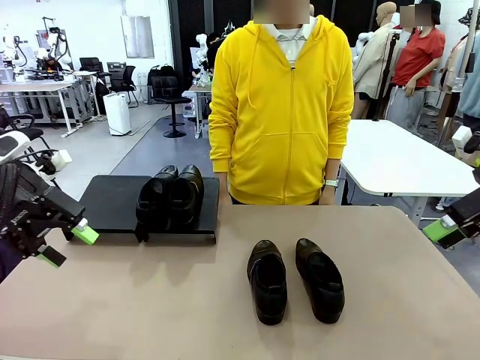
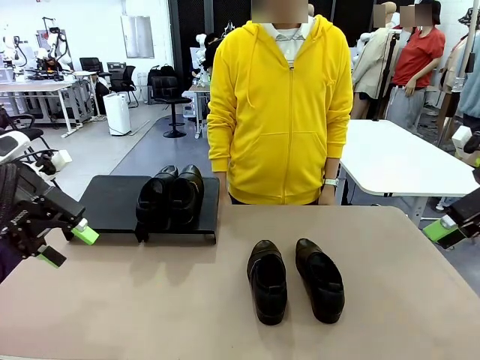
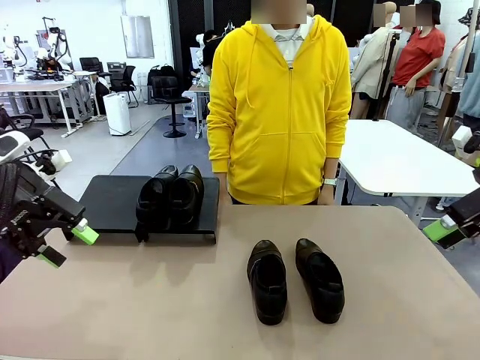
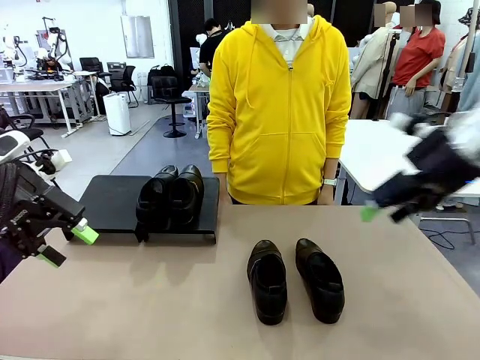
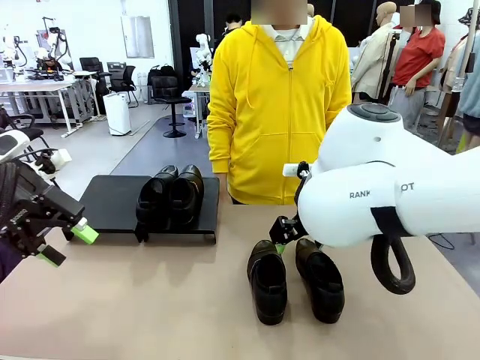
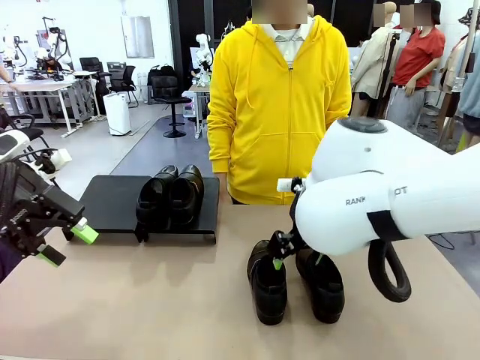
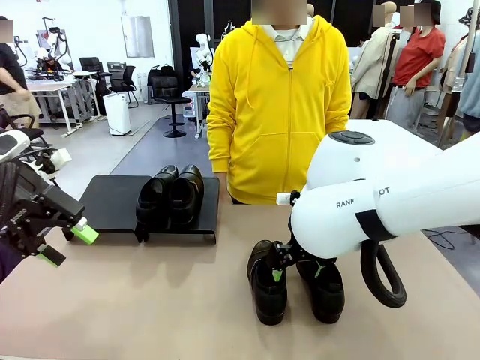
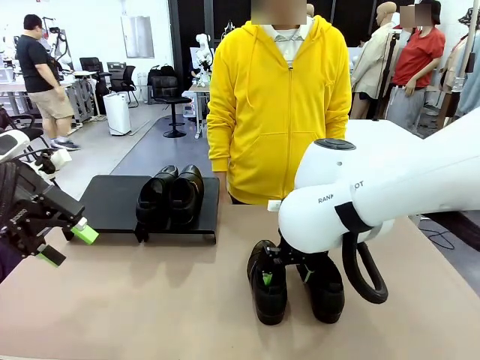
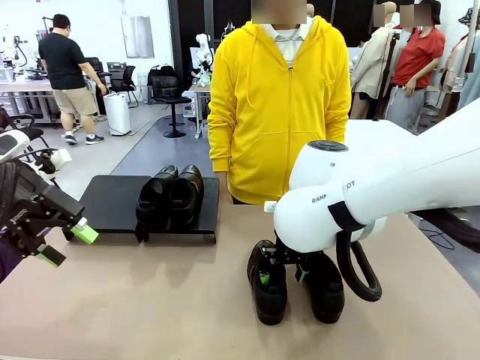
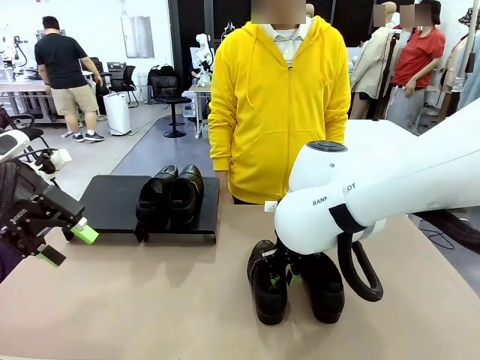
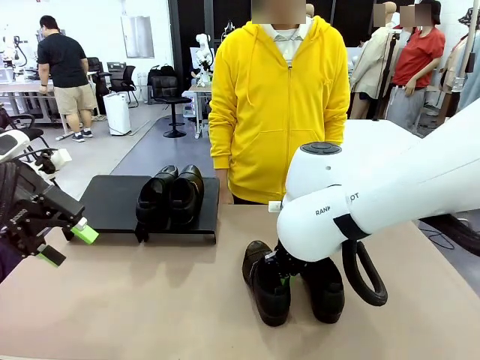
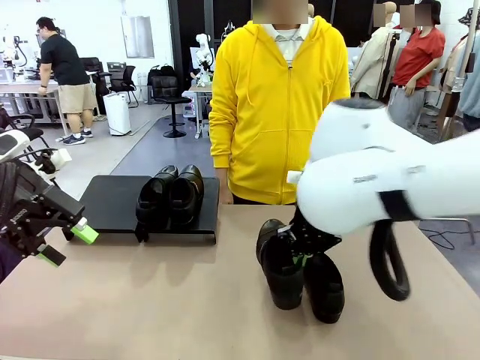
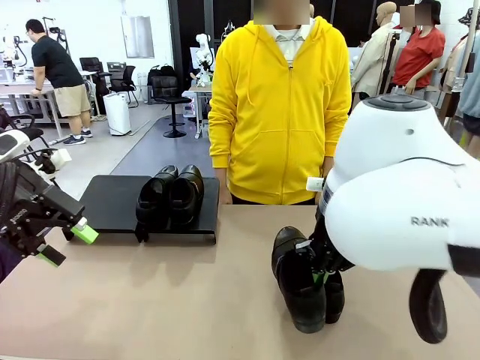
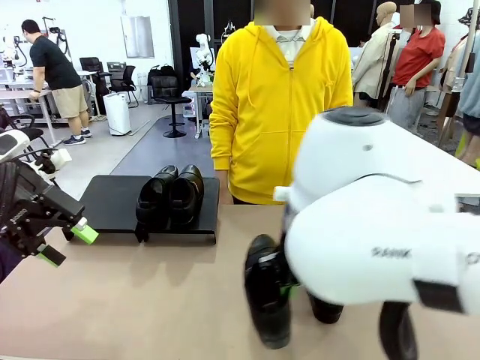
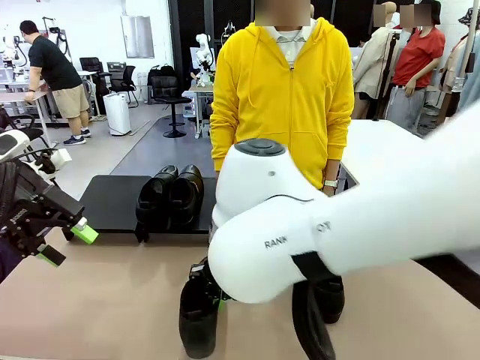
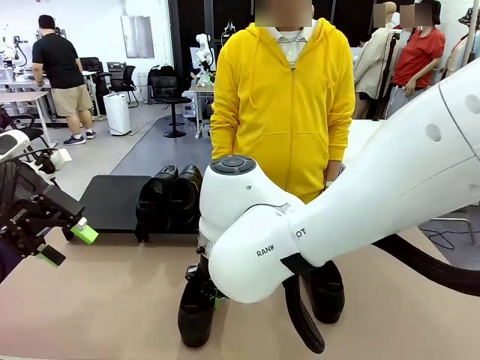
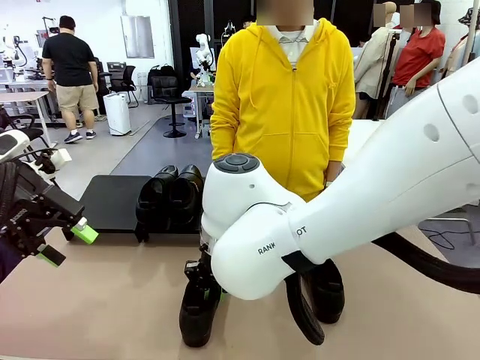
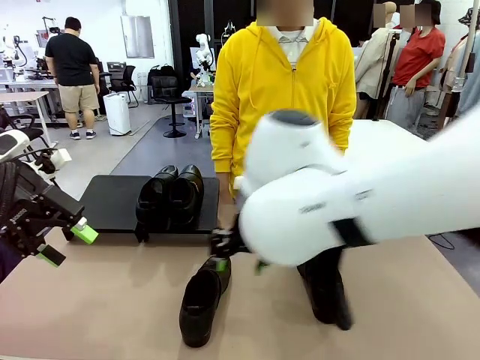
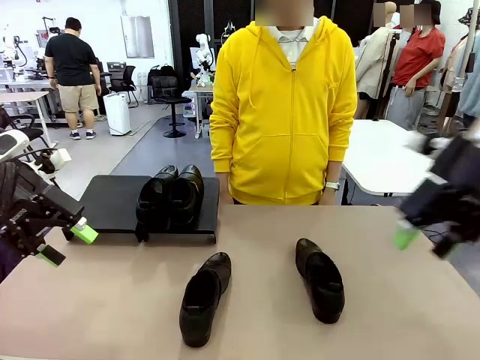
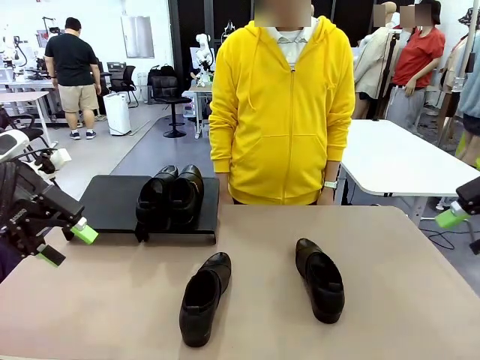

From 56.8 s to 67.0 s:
Task: Organize the shoes by placing them on the stand.
Robot: Pick up one Shoe and place it in the middle of the table.

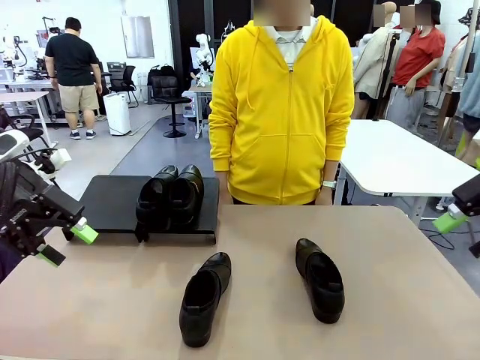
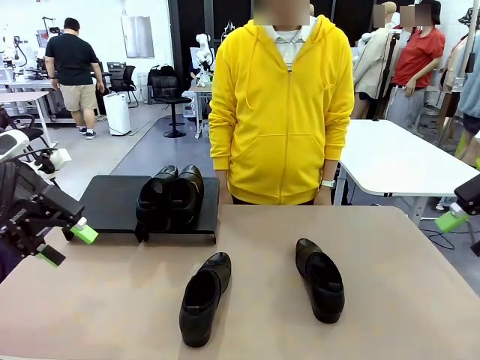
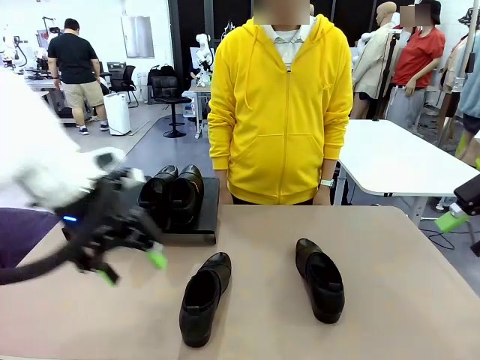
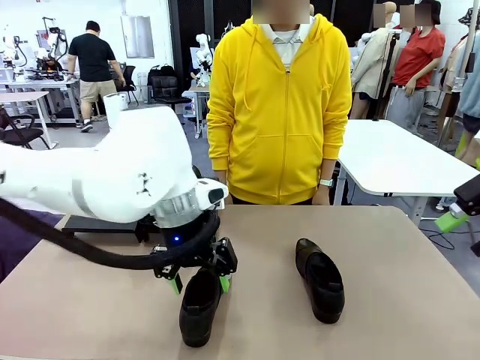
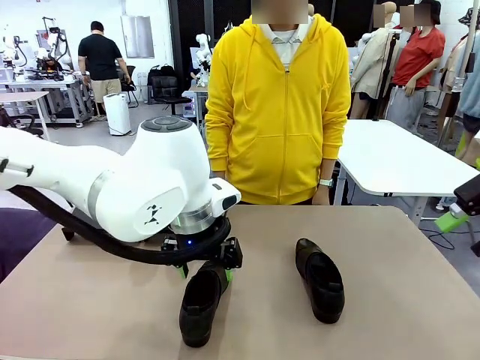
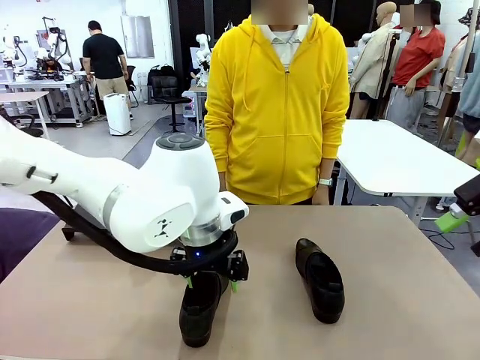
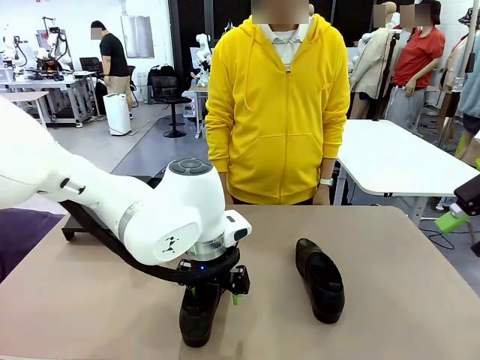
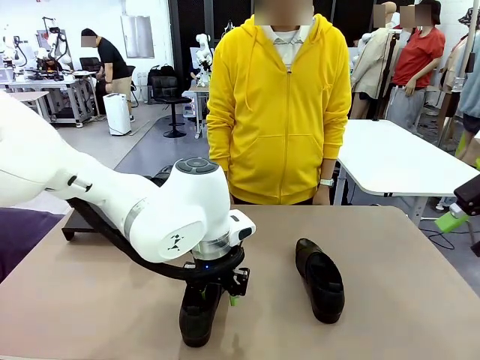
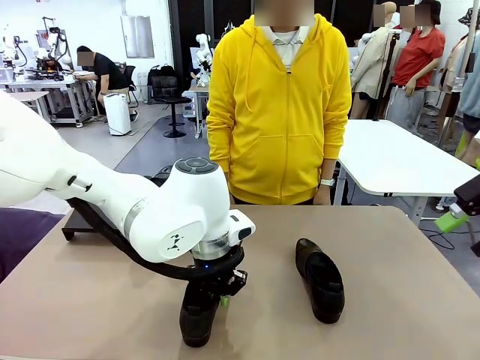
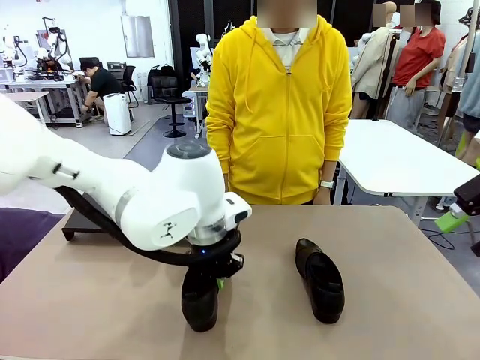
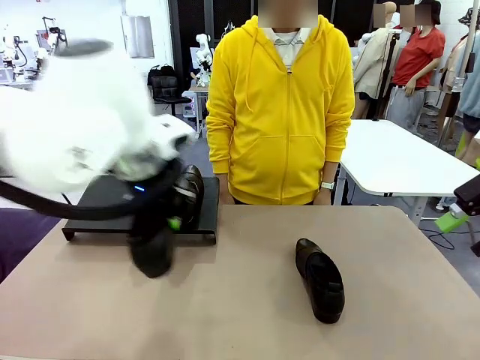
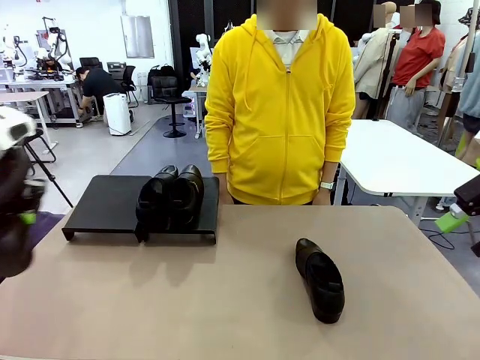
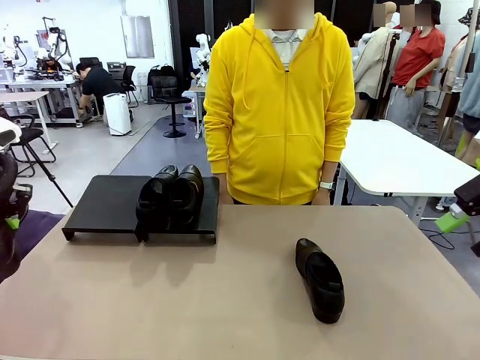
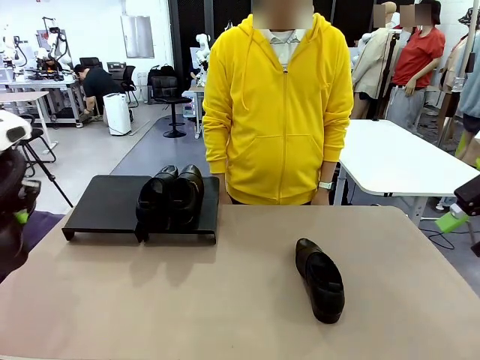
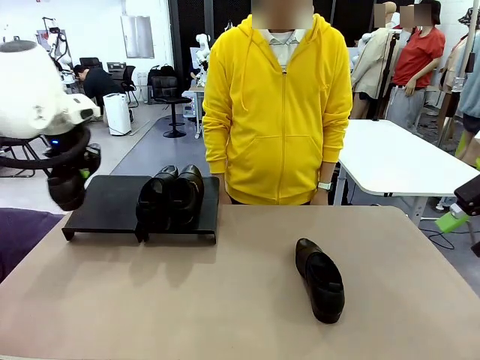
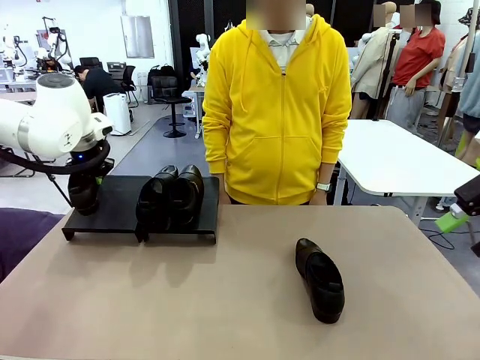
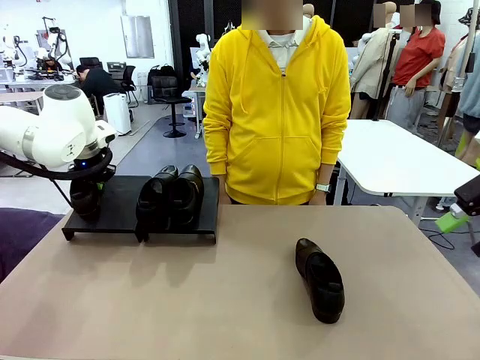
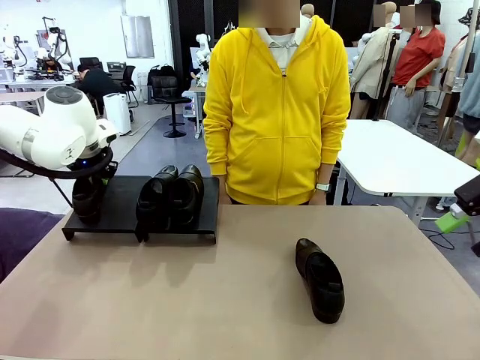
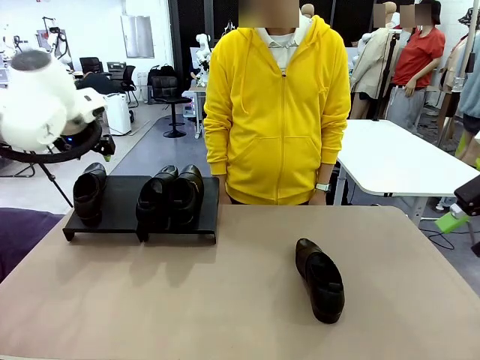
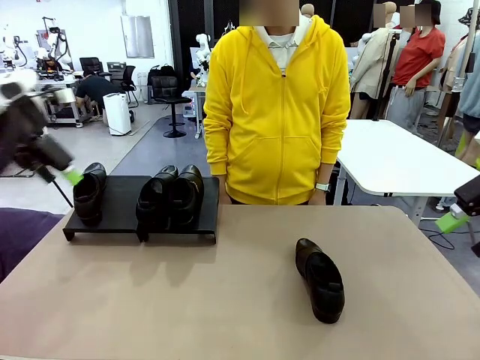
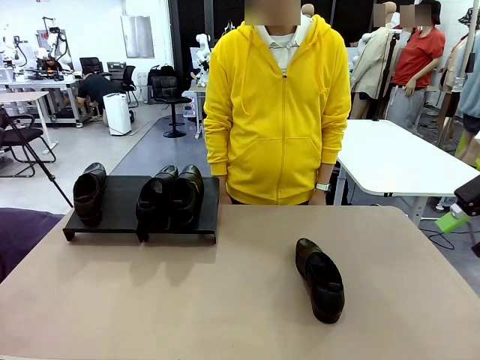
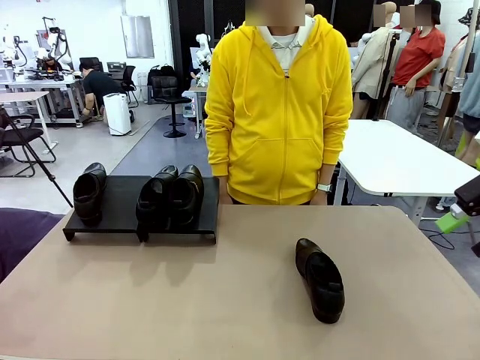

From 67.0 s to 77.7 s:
Robot: Place the Shoe from the middle of the table onto the Shoes Stand.

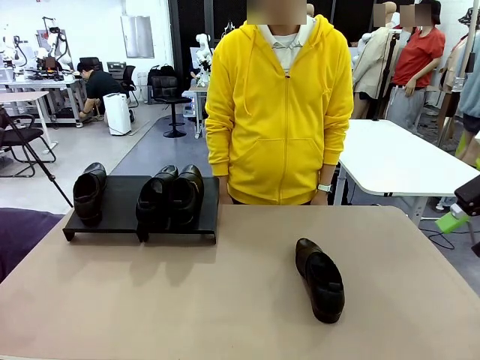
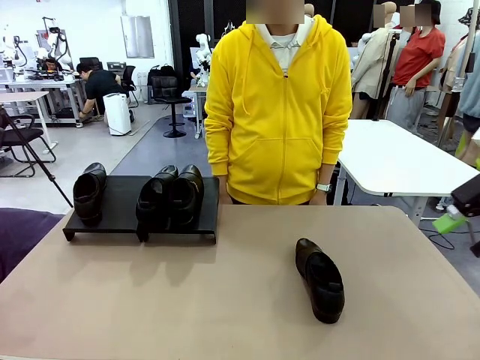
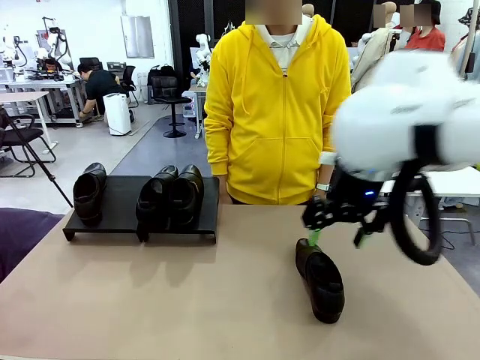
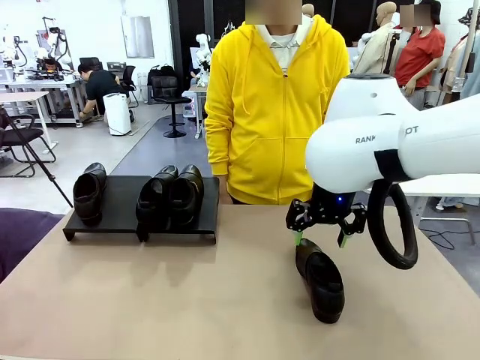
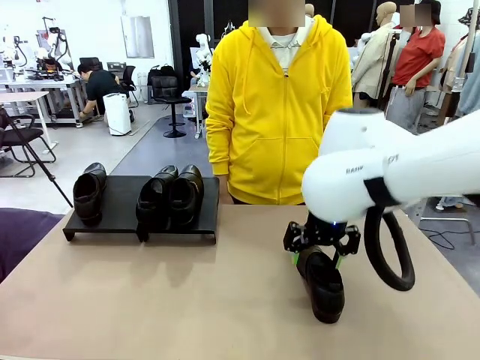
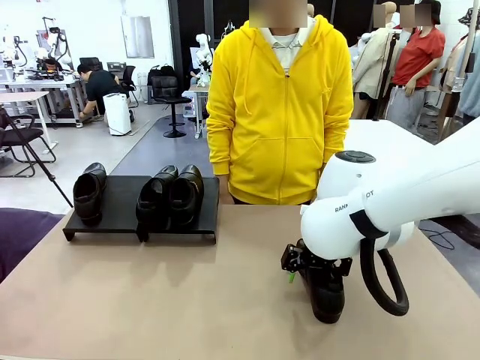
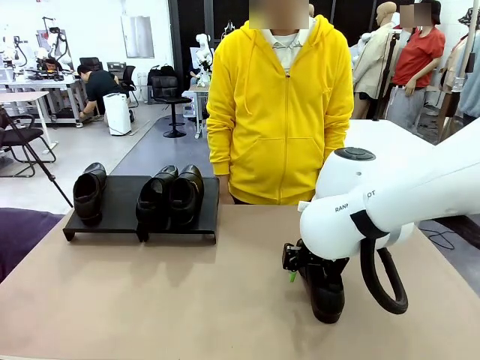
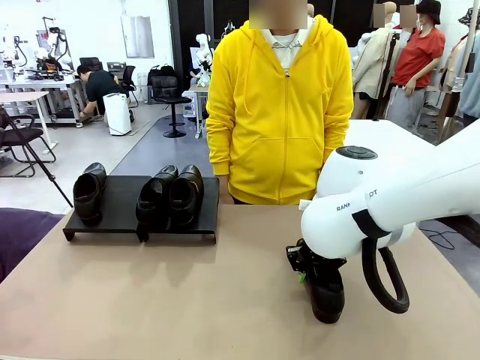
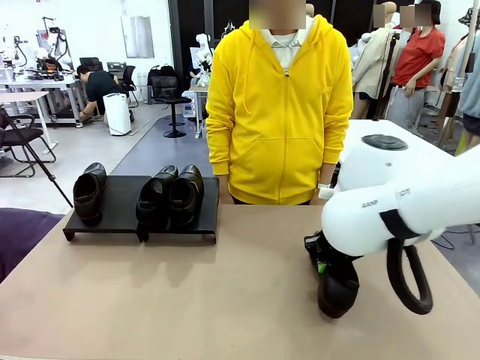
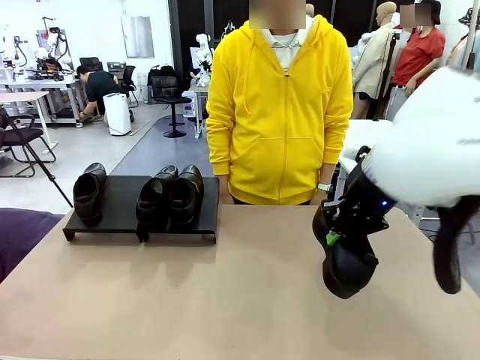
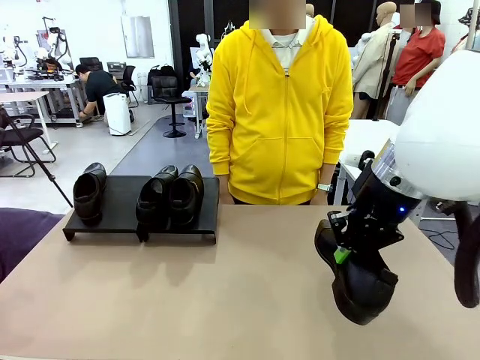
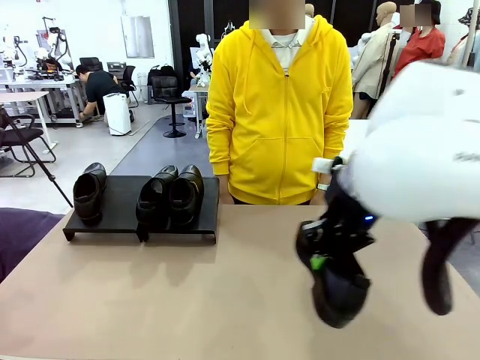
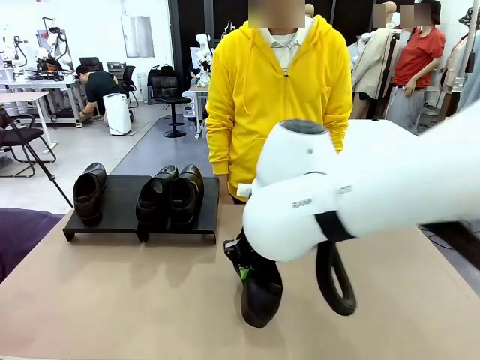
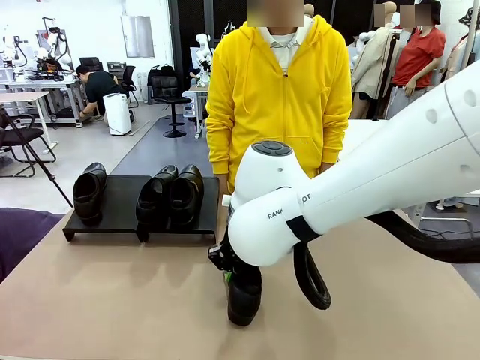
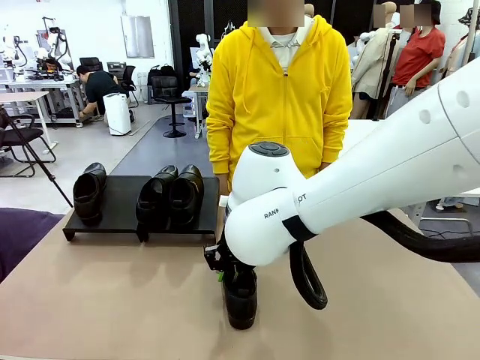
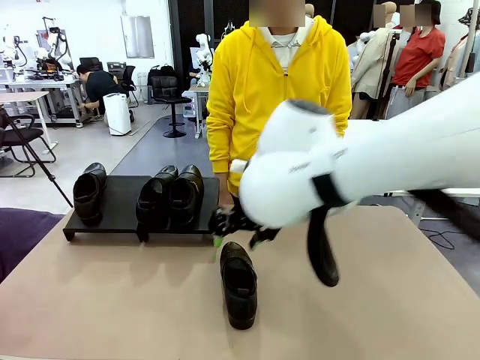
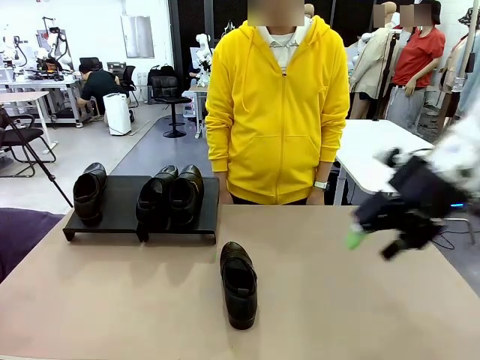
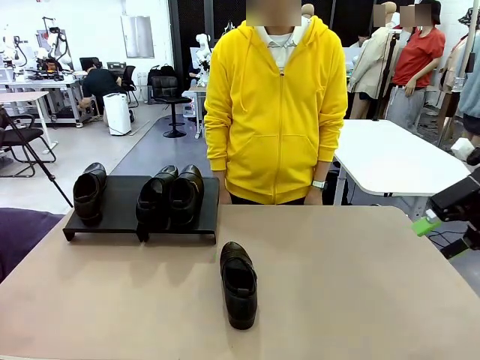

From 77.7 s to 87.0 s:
Robot: Pick up one Shoe and place it in the middle of the table.
